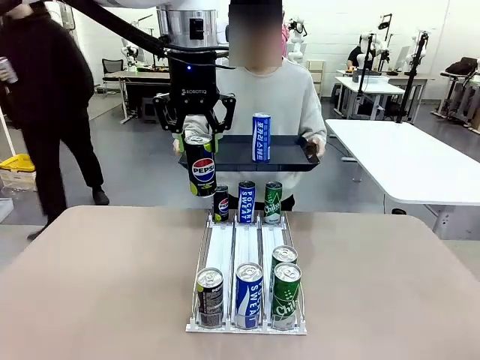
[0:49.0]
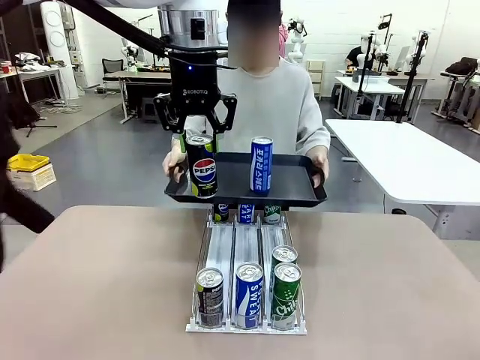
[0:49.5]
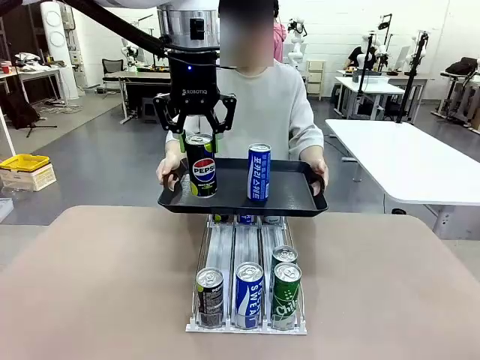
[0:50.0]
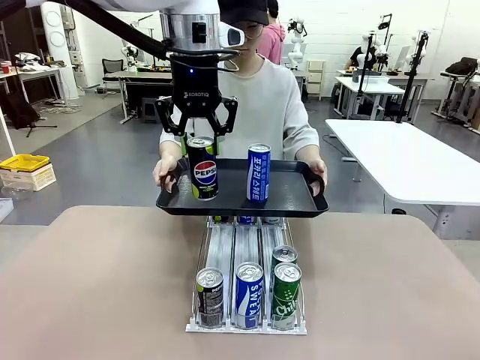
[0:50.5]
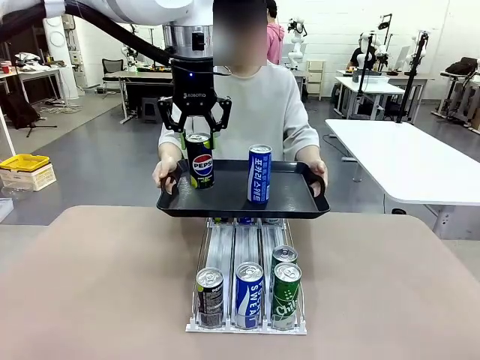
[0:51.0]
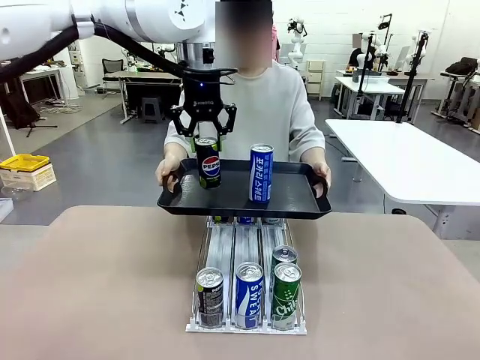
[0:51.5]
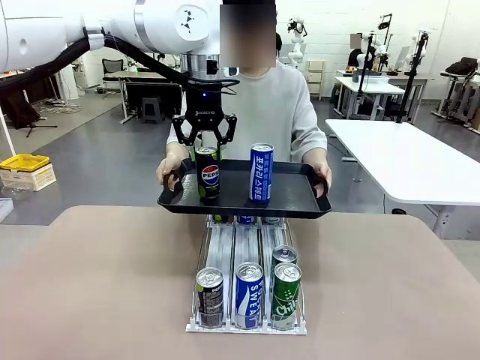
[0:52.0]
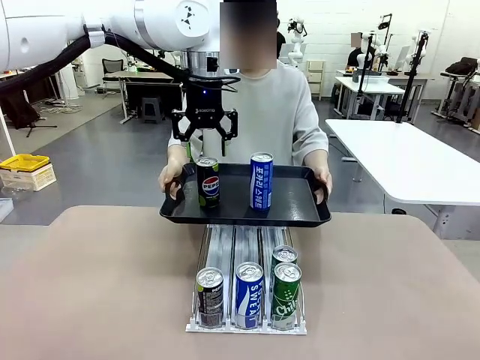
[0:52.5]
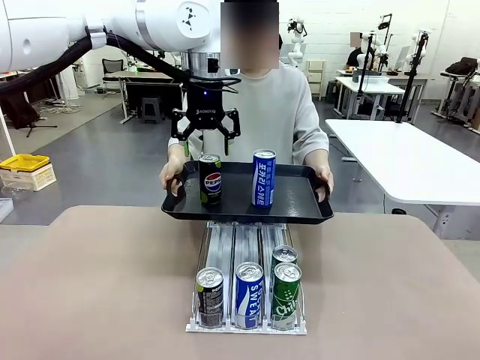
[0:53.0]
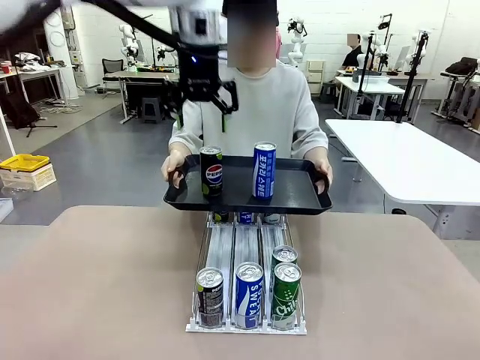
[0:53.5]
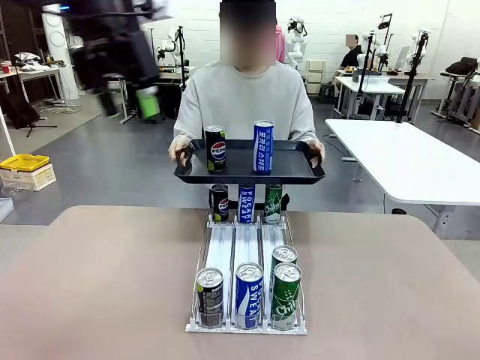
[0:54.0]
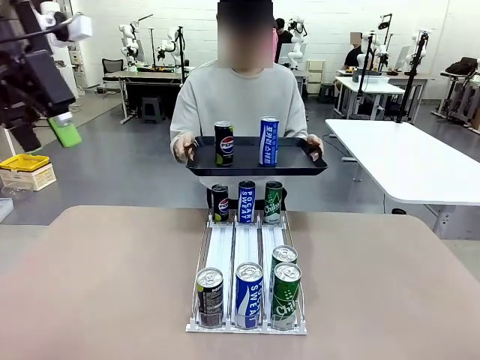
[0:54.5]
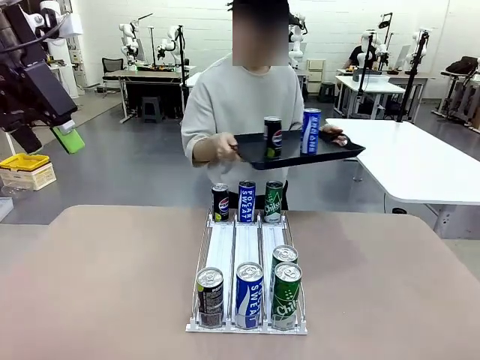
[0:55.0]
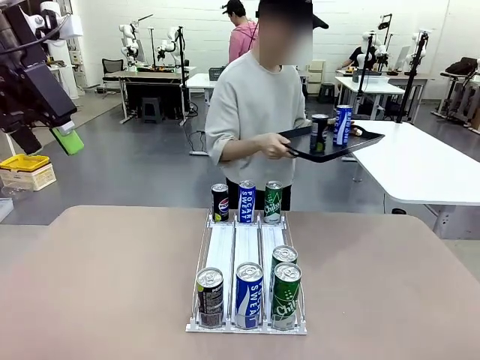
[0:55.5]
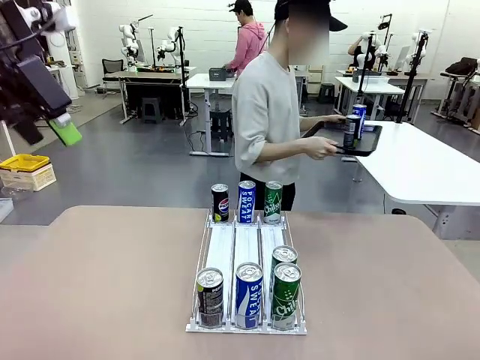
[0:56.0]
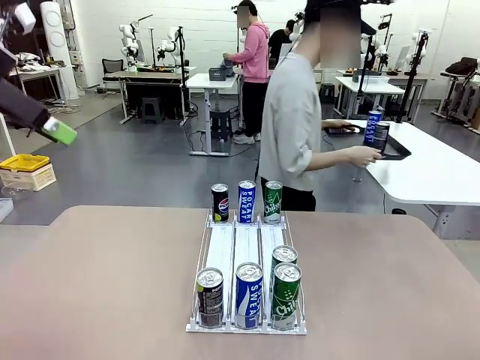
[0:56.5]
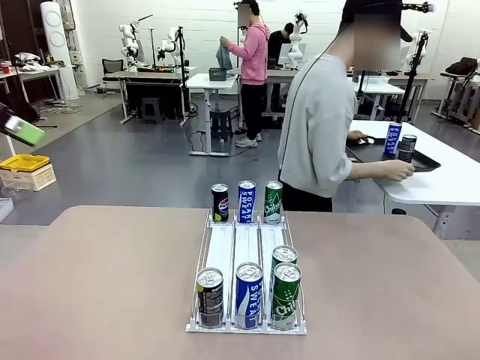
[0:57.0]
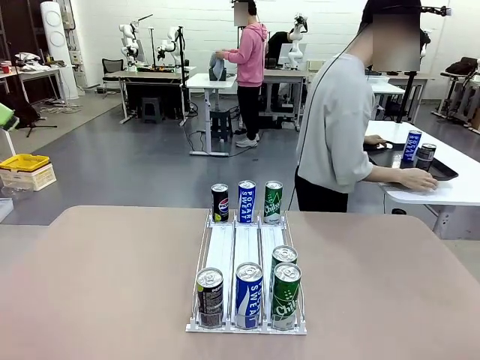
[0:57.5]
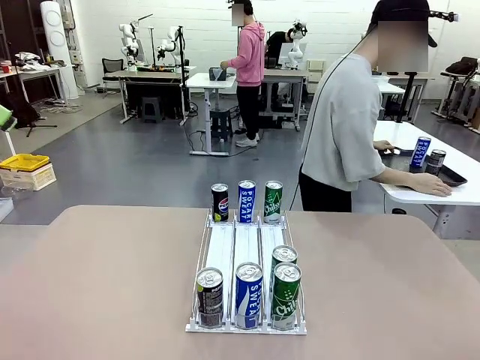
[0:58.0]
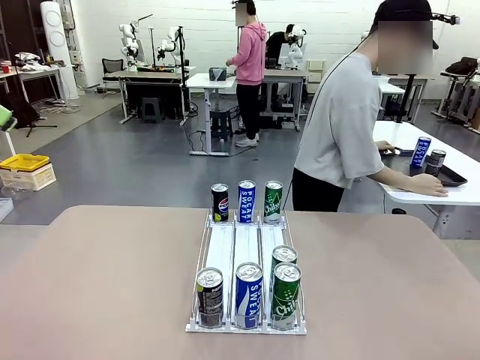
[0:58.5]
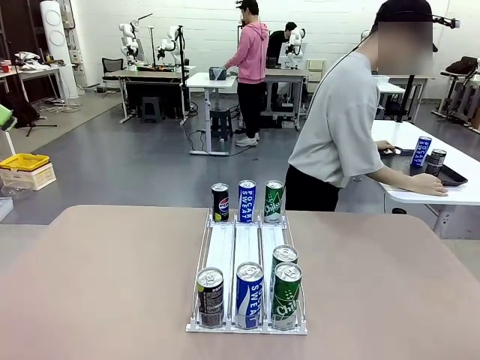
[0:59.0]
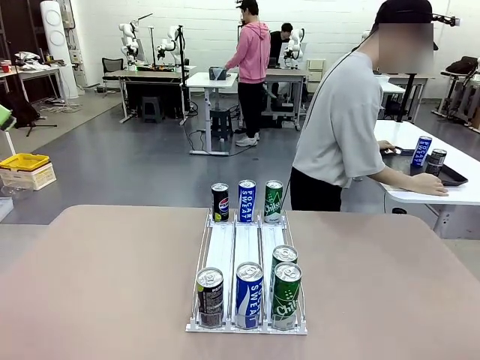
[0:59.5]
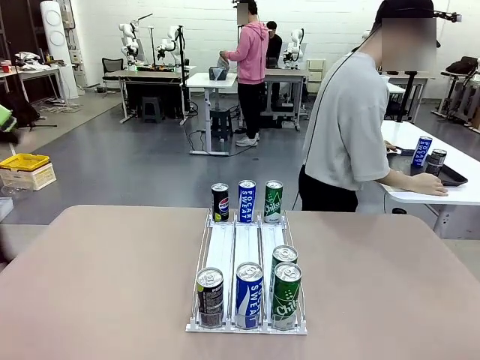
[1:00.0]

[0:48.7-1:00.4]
Task: Retrieve and hand over the desired beverage to the person.
Robot: Place the picked can on the Handle tray extended by the person.
Person: Pull the tray back and place it at the center of the human table.

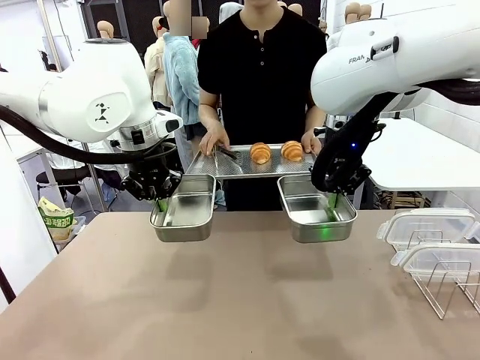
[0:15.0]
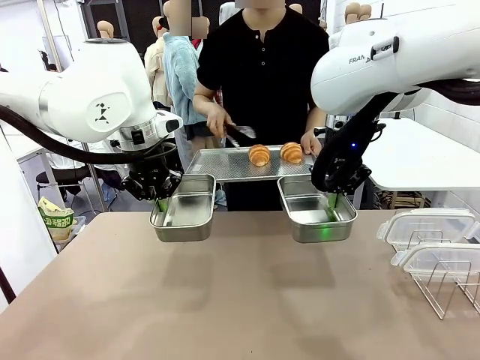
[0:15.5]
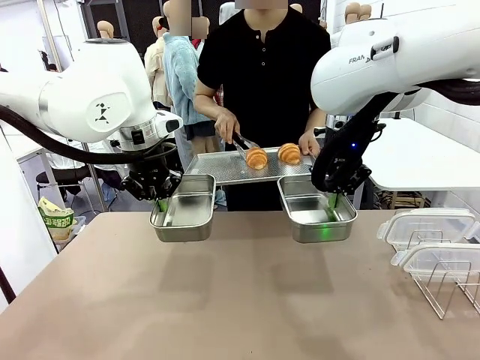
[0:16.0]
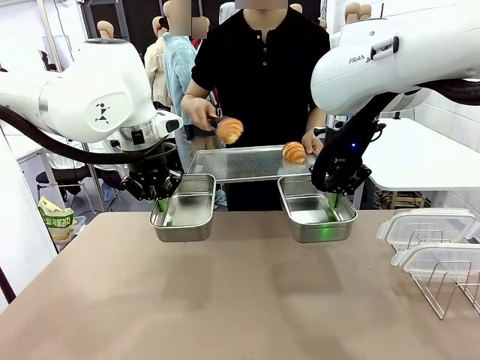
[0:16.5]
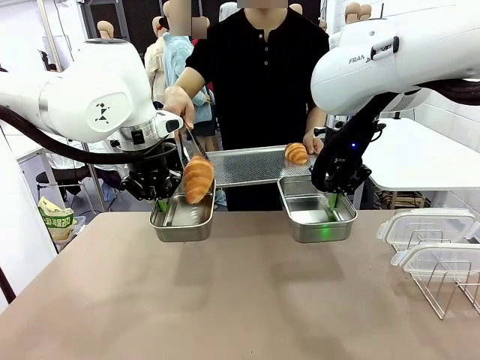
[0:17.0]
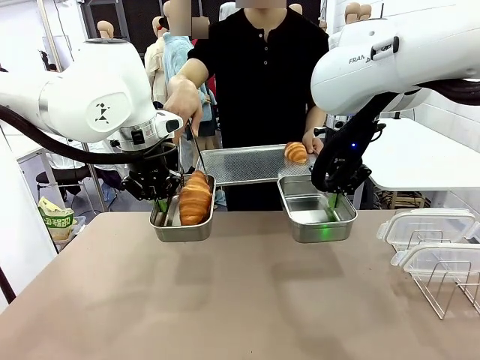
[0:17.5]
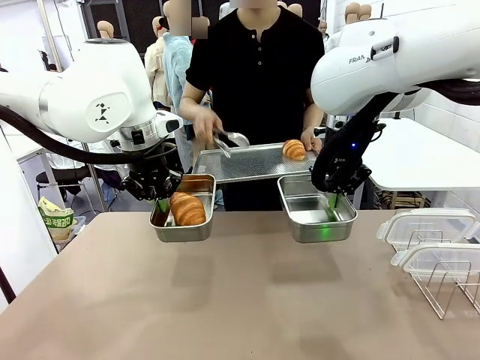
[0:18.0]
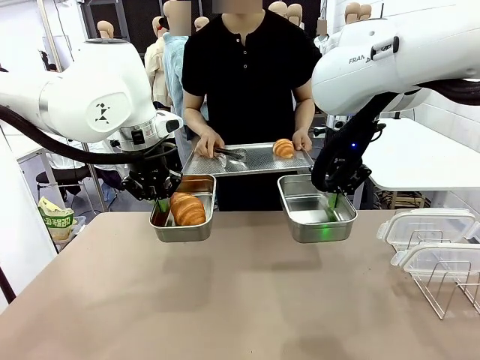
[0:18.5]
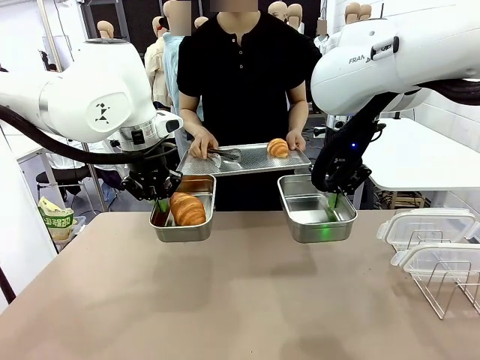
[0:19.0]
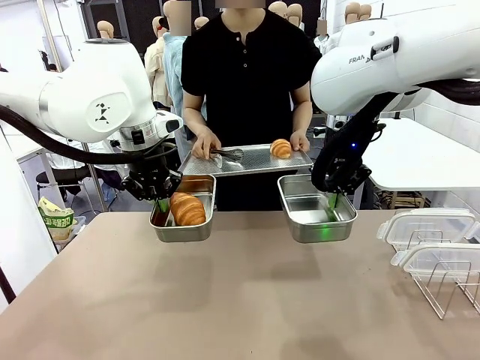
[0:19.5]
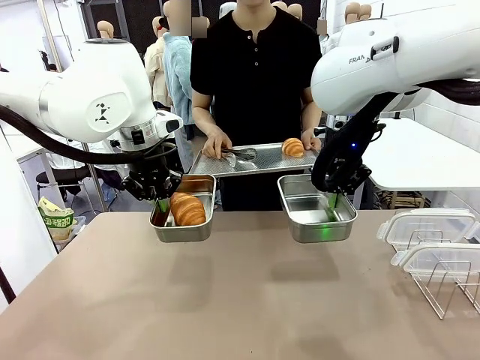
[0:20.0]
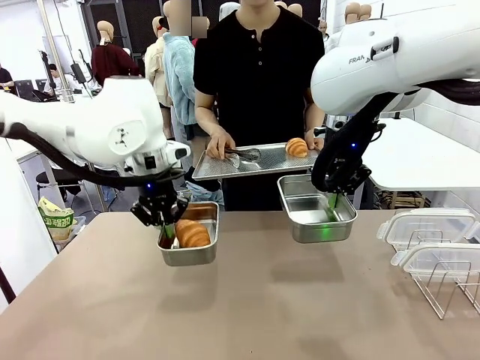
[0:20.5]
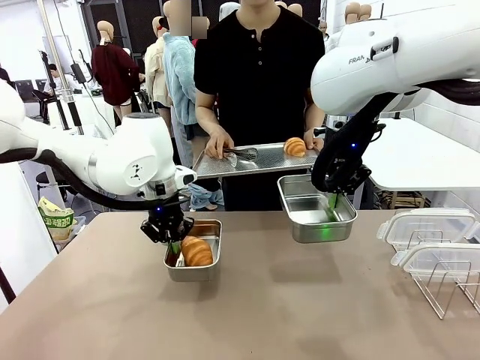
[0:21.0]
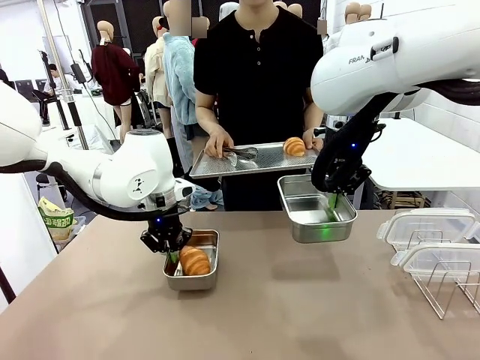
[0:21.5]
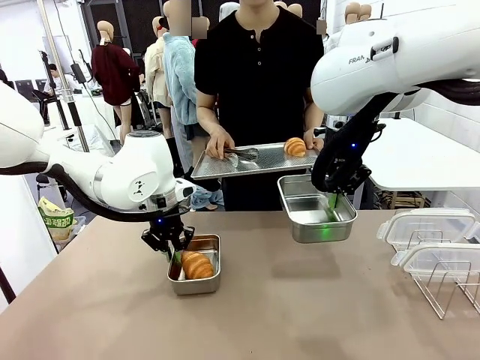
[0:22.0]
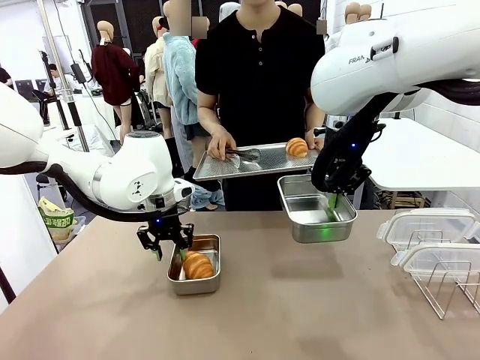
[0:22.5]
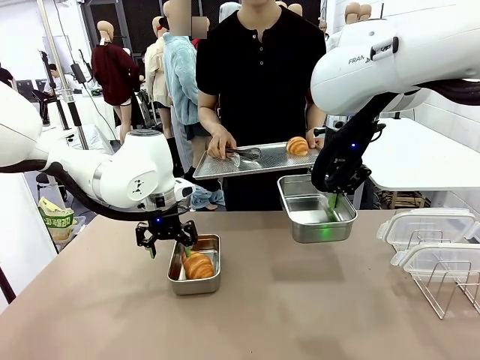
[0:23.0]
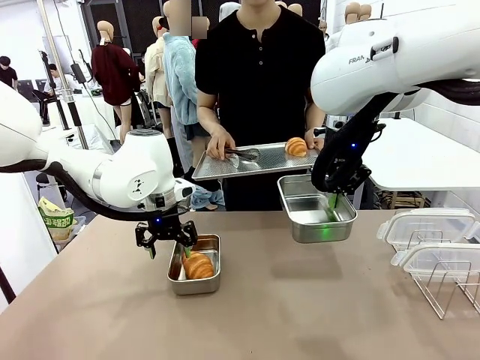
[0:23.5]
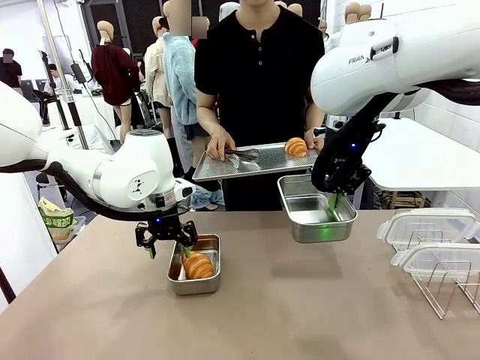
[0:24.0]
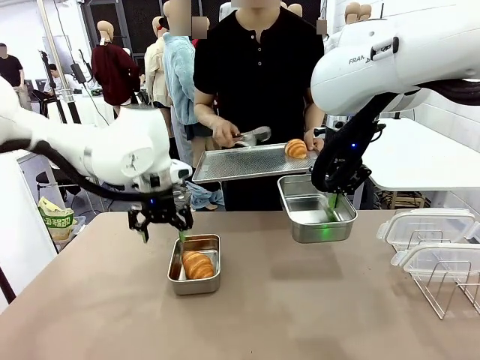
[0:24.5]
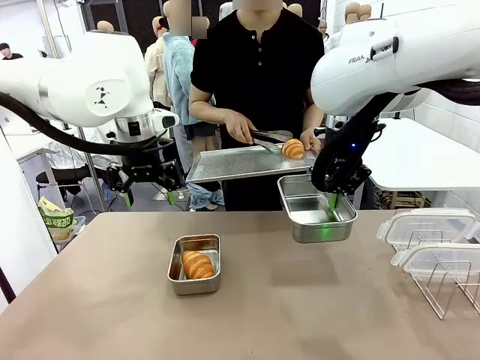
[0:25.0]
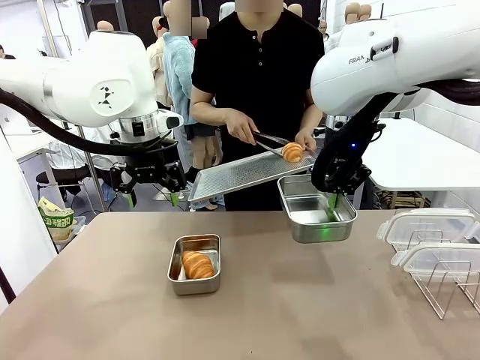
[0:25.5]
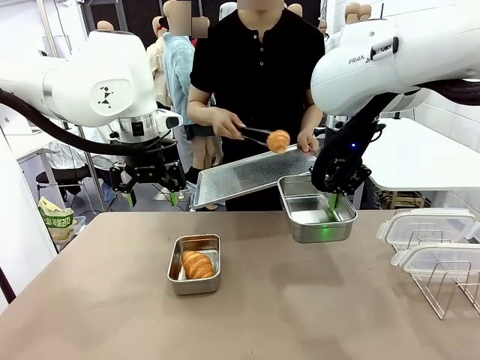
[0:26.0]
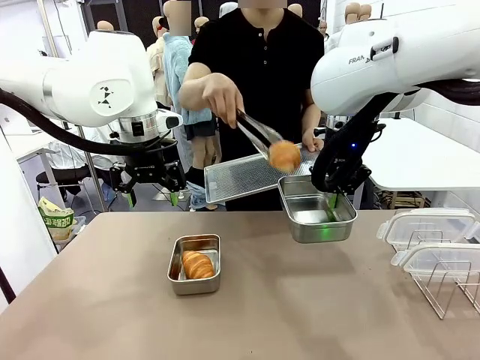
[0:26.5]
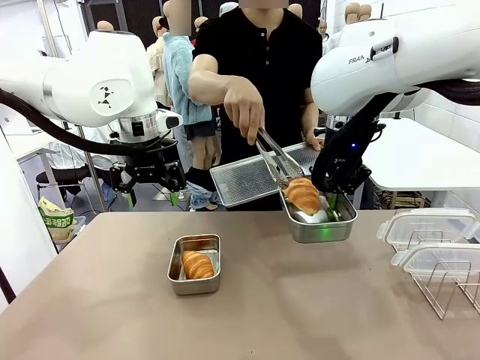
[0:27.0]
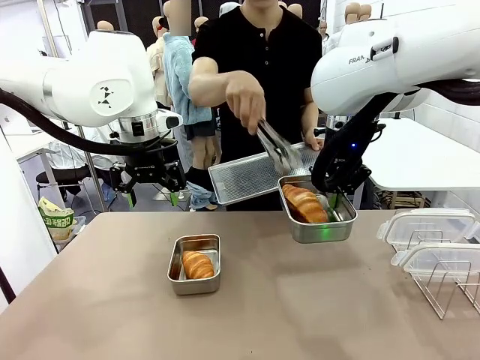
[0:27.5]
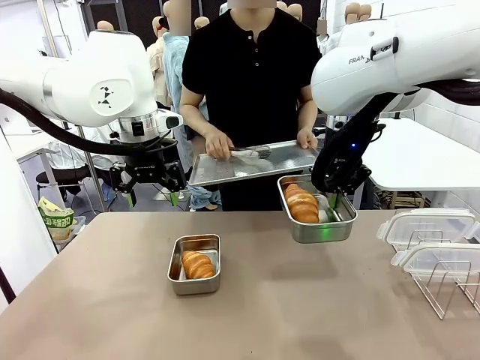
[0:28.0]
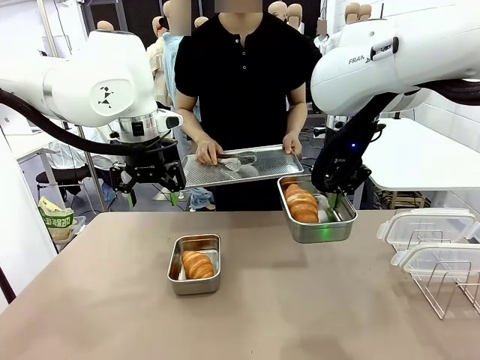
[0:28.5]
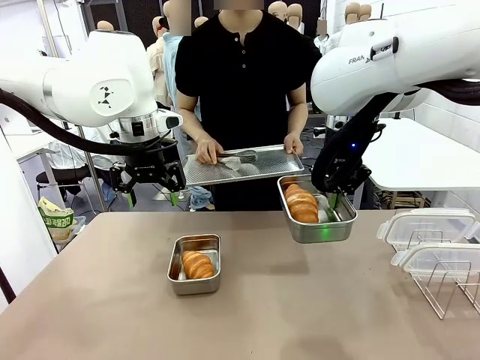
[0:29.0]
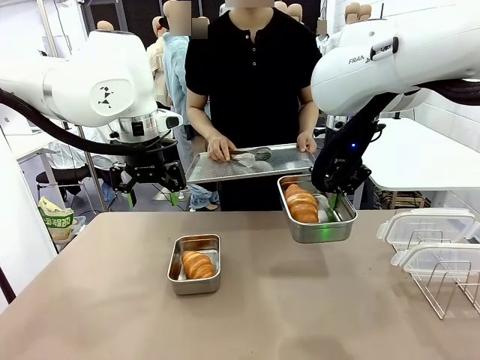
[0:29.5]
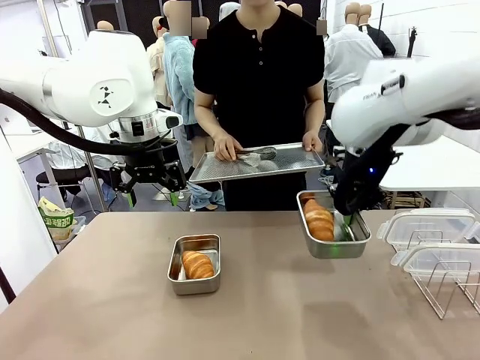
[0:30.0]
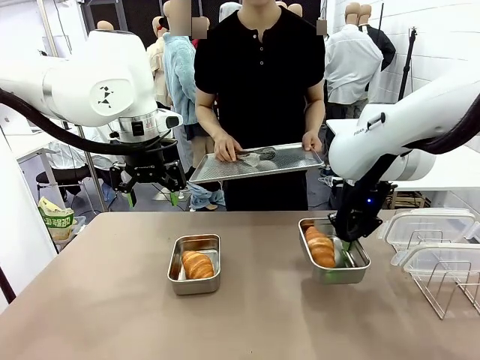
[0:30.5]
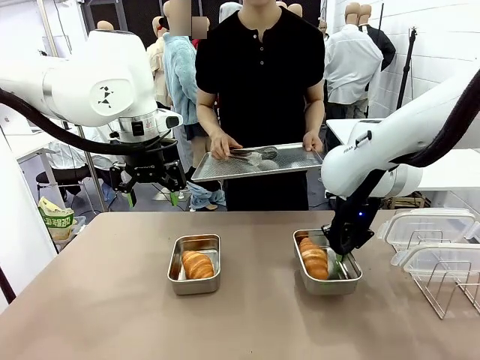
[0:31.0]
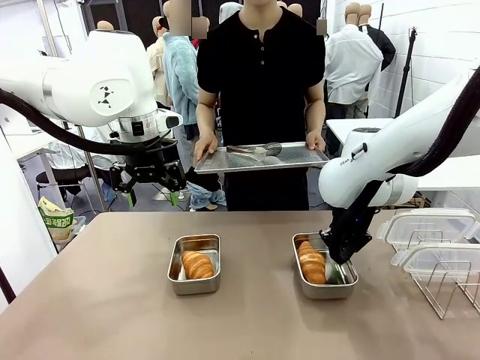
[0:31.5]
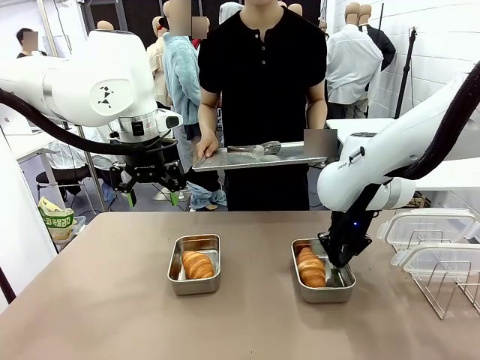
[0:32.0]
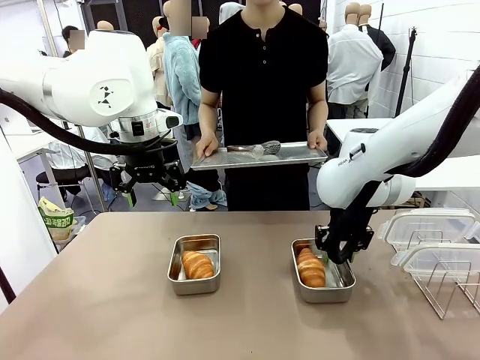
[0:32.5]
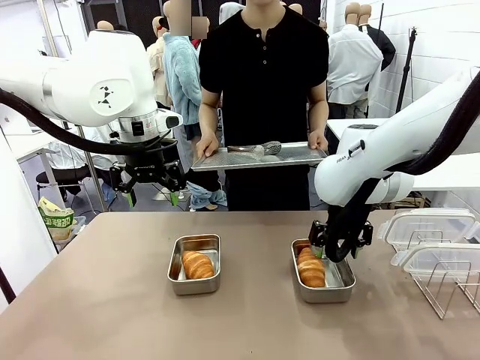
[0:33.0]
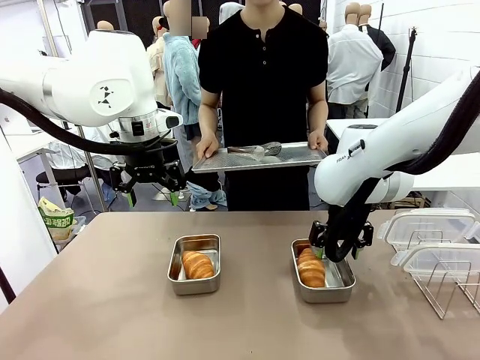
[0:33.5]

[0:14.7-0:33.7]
Task: Place the bread in airtight containers.
Robot: Once an object is inside an Airtight Container , place the container in the center of the table.
Person: Use the Stainless steel tongs to place one object from Baking Sheet into one Airtight Container. Place Baking Sheet on the Human's Table.
